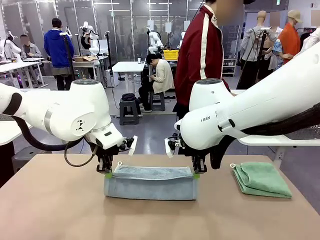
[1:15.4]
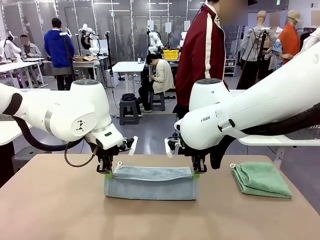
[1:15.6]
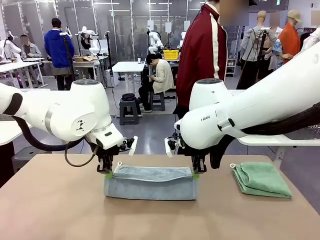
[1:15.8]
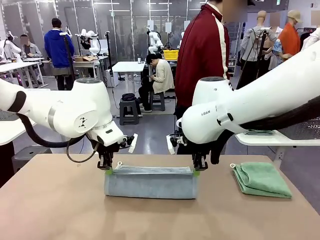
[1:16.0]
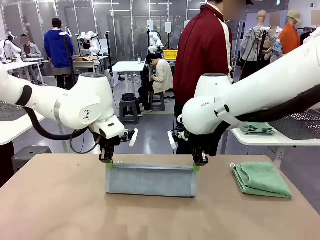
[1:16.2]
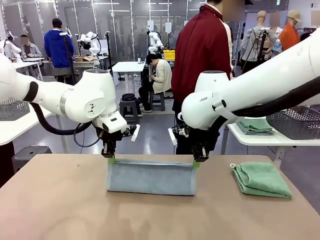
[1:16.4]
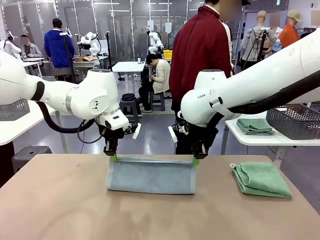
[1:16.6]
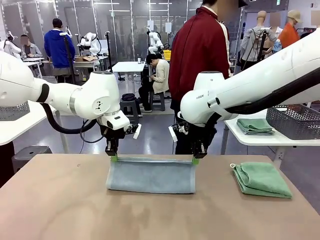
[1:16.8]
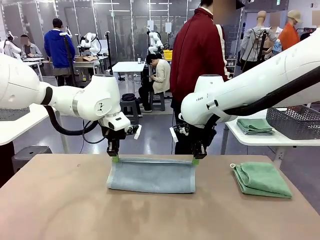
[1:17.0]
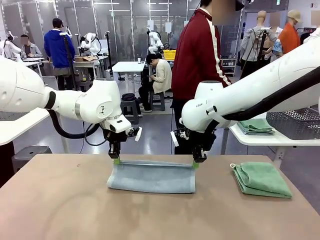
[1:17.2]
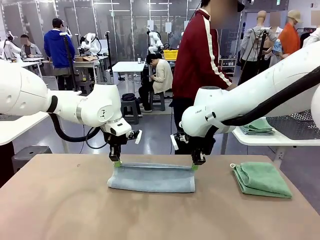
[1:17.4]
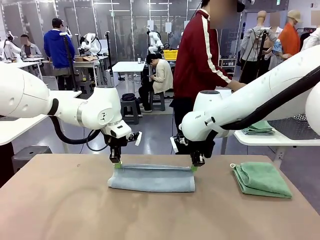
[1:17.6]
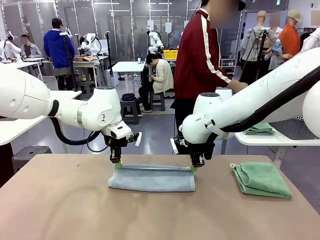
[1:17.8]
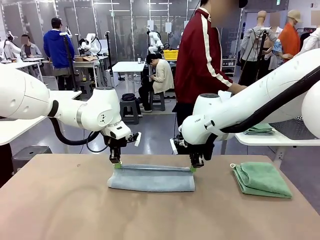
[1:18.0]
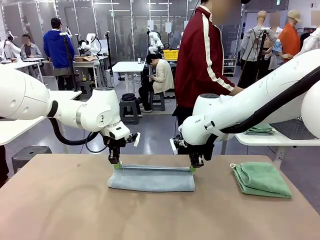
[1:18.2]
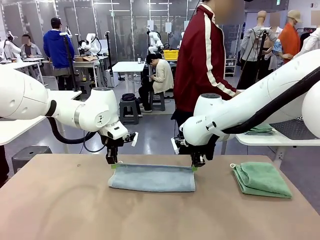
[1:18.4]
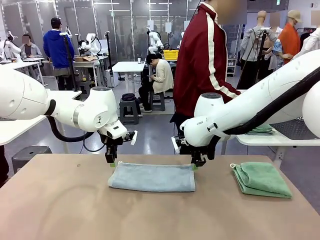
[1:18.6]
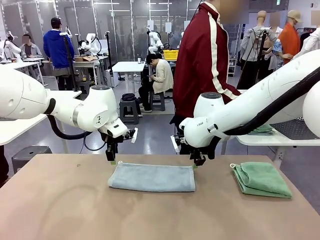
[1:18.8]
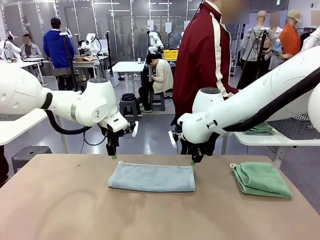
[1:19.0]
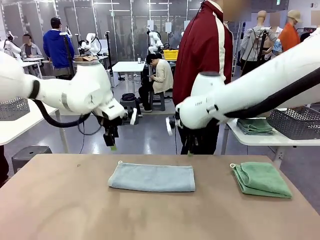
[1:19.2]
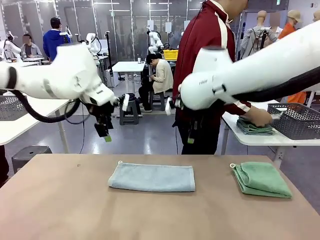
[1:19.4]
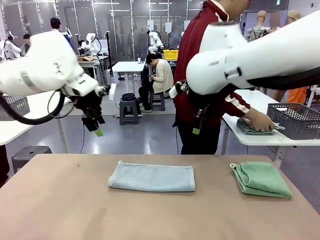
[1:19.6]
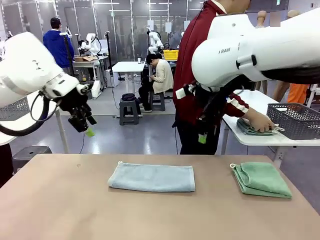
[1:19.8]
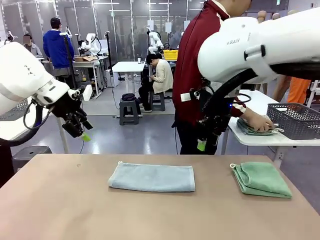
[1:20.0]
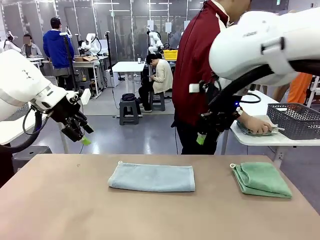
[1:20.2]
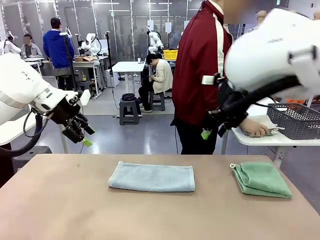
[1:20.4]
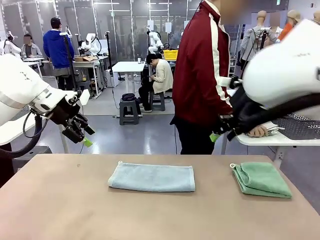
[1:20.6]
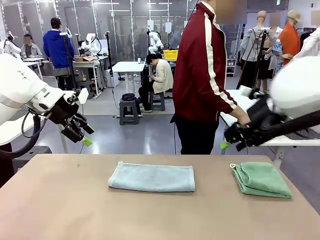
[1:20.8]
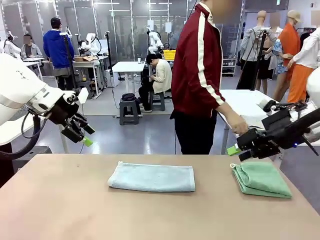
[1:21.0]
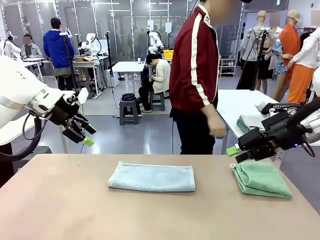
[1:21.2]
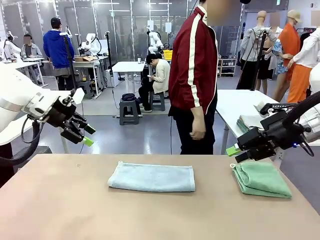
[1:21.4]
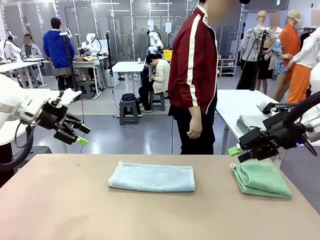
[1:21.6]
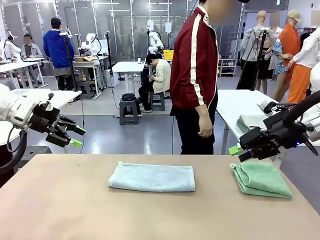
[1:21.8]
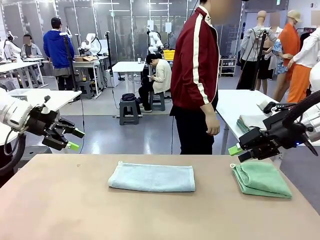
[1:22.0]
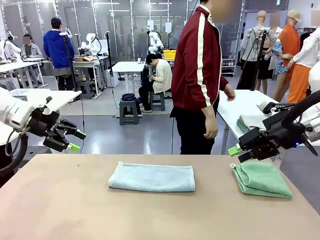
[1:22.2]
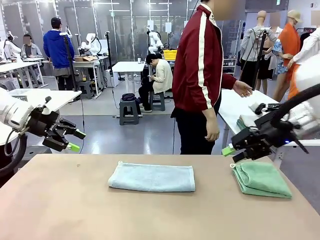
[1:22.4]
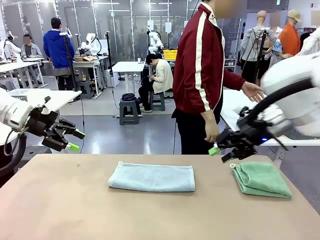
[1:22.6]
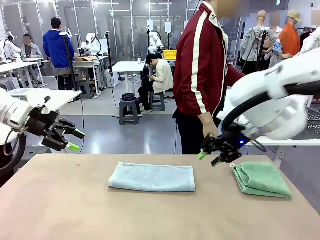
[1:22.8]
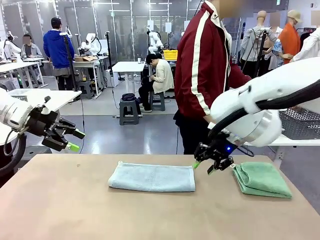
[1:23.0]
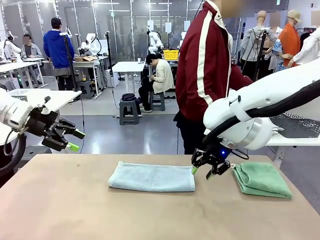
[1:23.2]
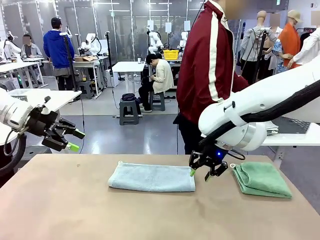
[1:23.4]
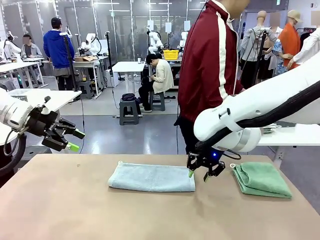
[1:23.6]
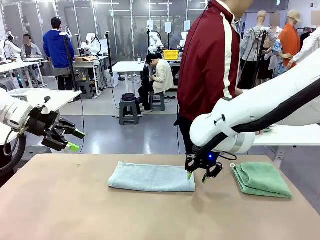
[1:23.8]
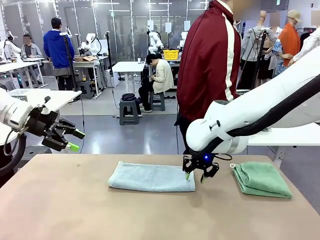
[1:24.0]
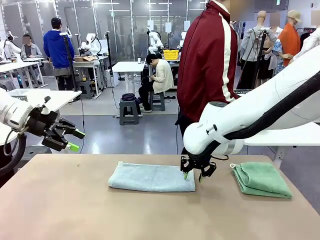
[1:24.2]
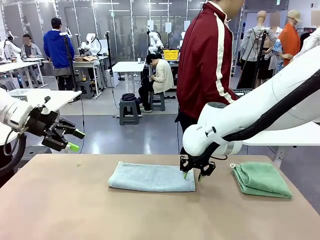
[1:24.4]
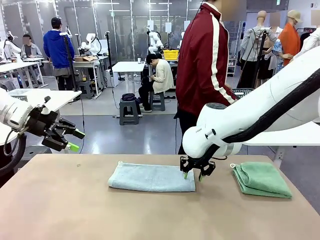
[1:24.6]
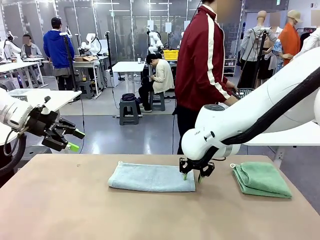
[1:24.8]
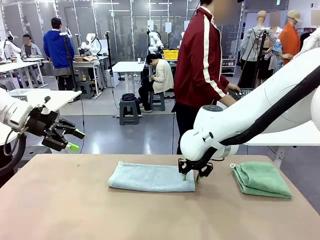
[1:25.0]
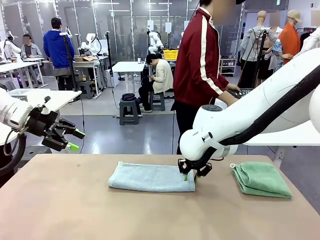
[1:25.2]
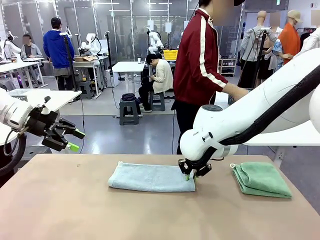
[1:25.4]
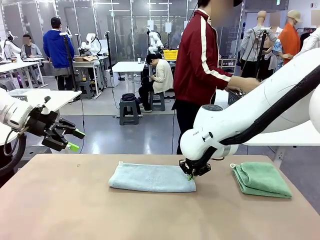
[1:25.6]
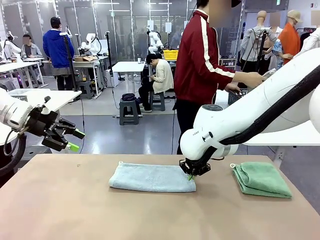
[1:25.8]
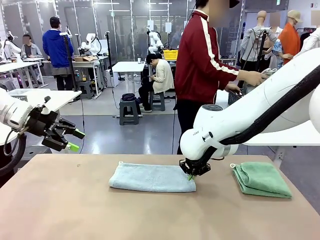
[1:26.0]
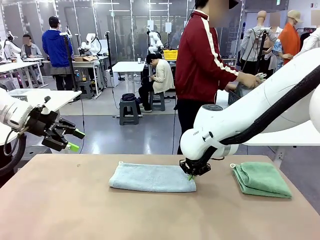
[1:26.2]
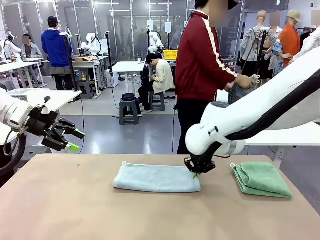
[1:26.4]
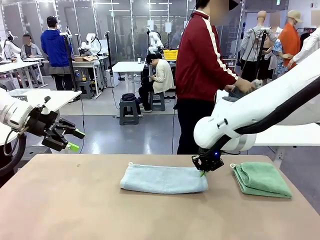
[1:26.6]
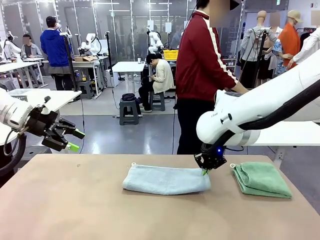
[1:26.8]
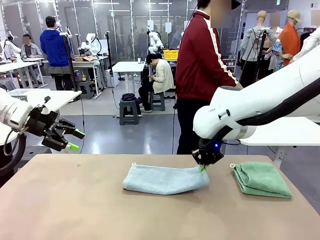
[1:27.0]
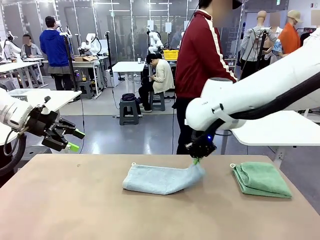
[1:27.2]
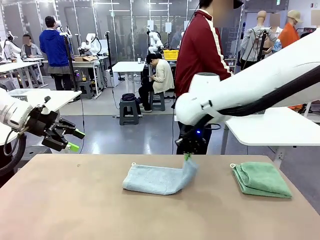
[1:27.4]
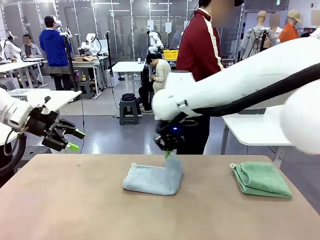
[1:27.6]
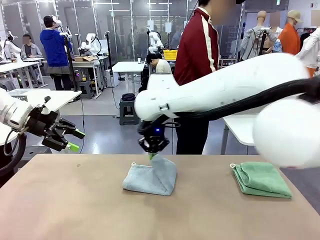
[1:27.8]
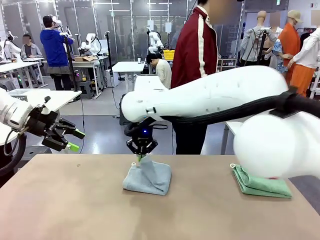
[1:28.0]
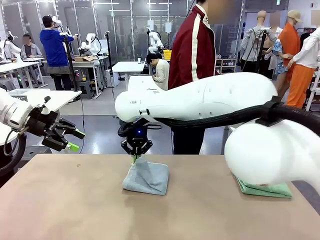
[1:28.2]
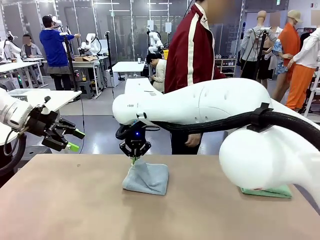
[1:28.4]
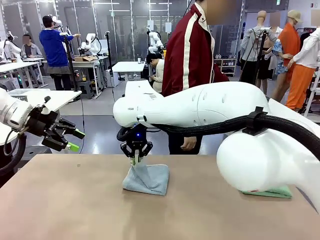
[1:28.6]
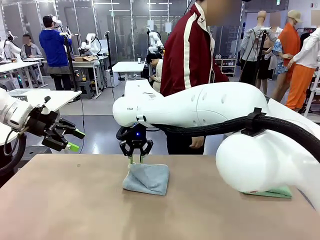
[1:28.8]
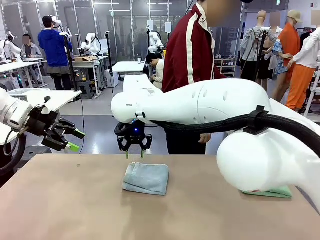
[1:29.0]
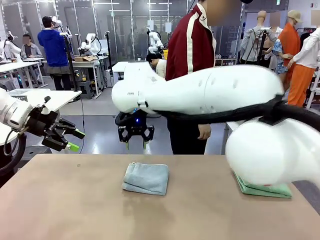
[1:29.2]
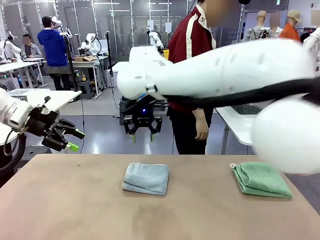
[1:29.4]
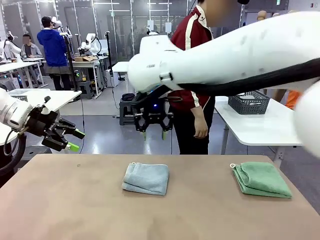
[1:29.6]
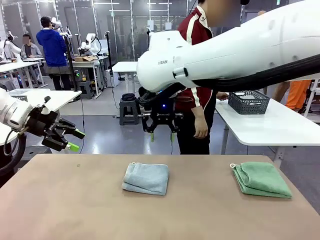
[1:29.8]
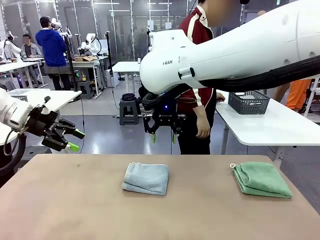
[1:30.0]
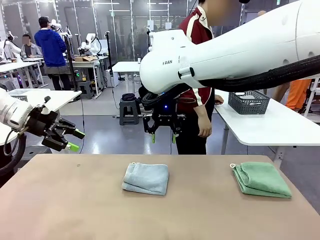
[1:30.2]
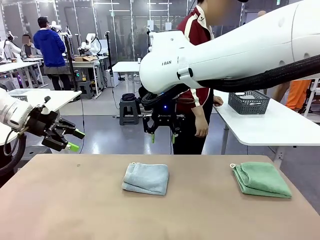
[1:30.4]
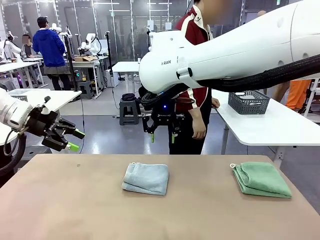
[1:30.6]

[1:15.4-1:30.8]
Task: Fold the towels and place them in the basket.
Robot: When a person lays out a Towel with hook on the table, fold it in half twice.
Person: Pick up the stack of towels from the right side of the human table, place it into the basket, and put the basket at the center of the table.
